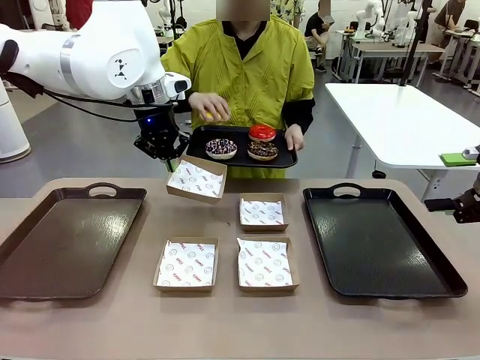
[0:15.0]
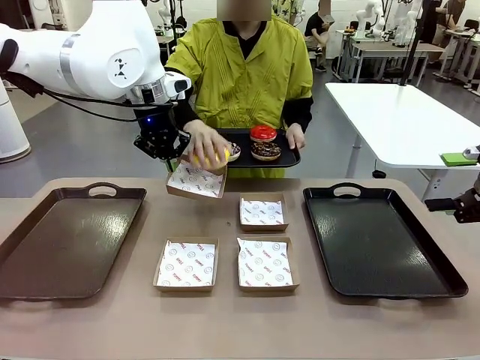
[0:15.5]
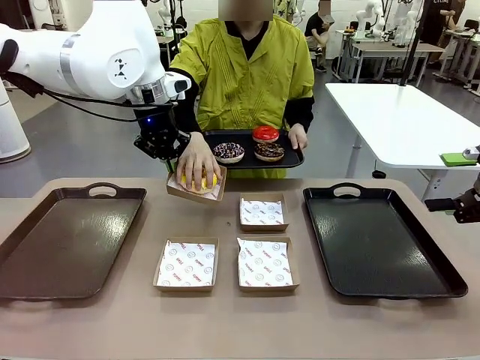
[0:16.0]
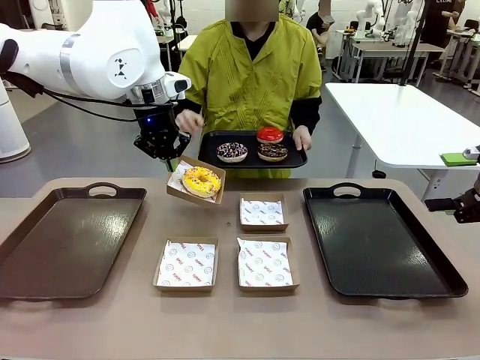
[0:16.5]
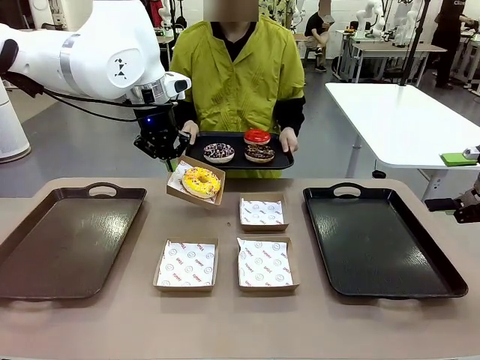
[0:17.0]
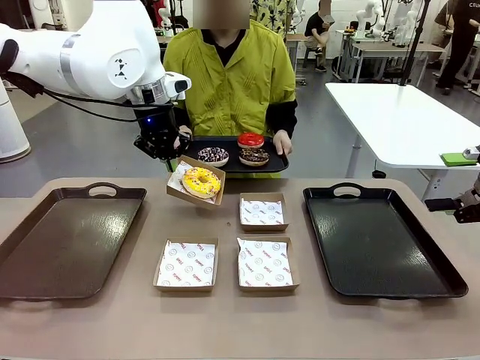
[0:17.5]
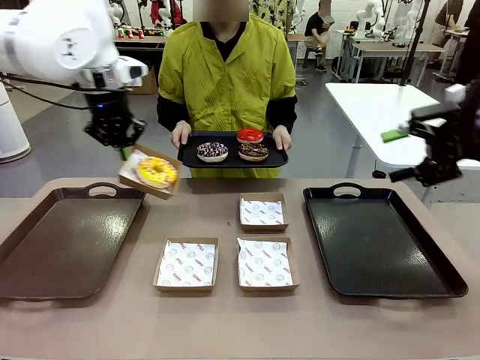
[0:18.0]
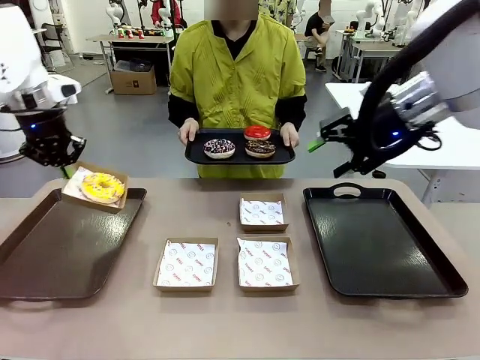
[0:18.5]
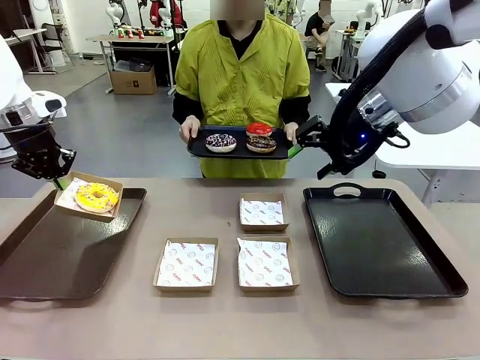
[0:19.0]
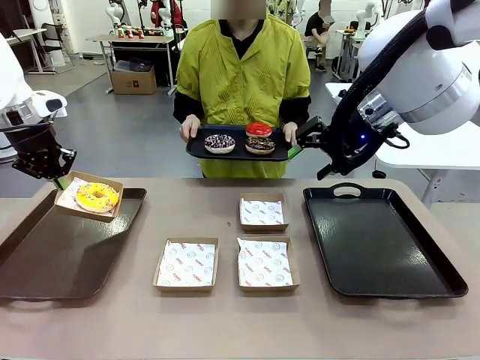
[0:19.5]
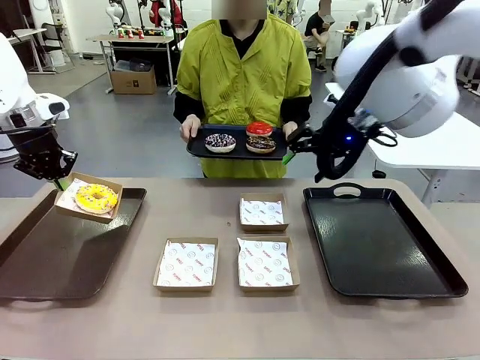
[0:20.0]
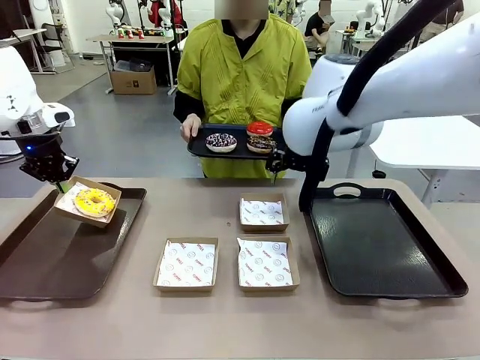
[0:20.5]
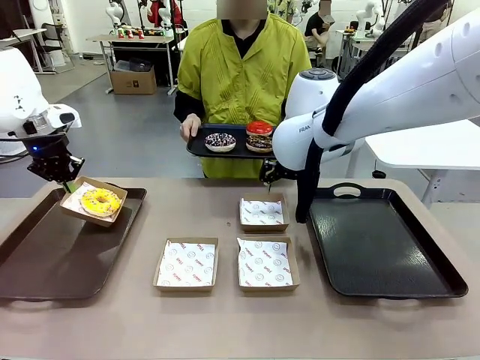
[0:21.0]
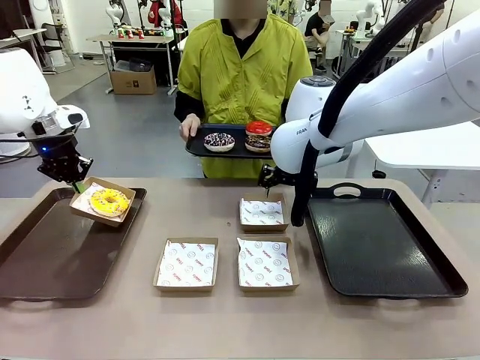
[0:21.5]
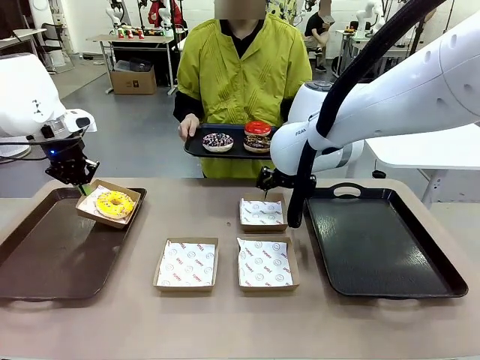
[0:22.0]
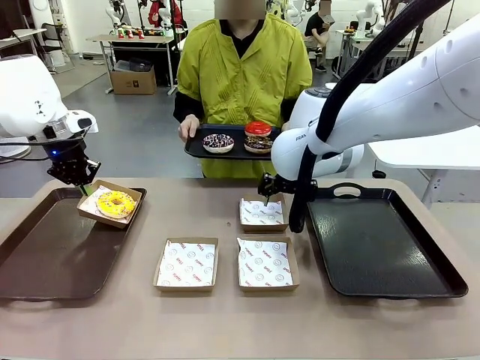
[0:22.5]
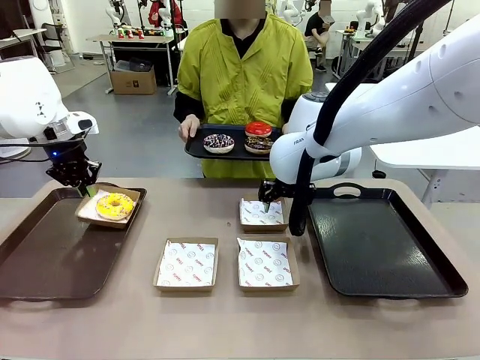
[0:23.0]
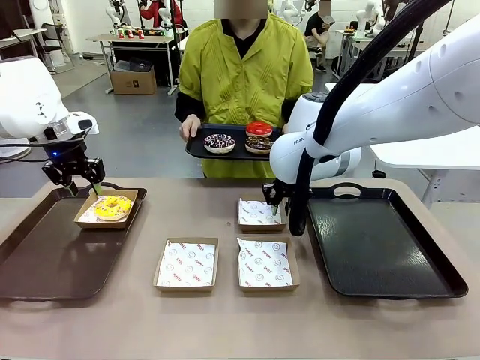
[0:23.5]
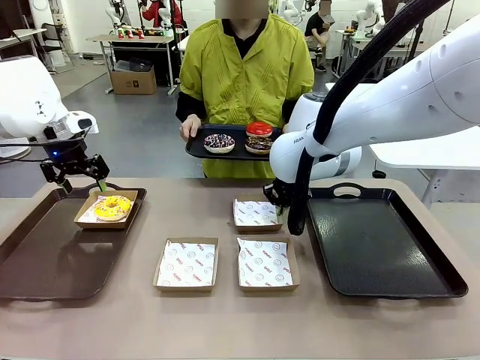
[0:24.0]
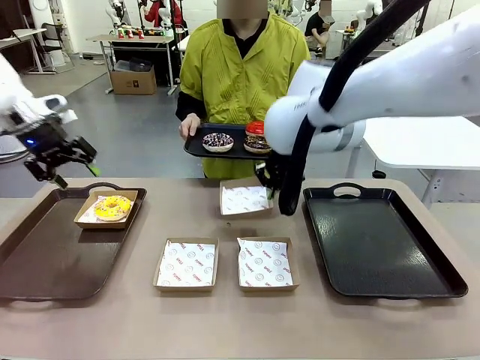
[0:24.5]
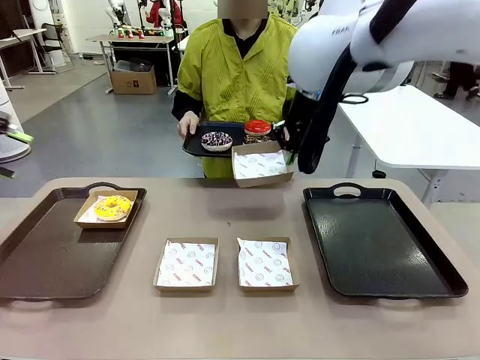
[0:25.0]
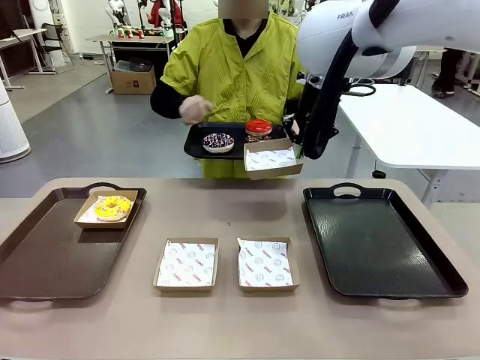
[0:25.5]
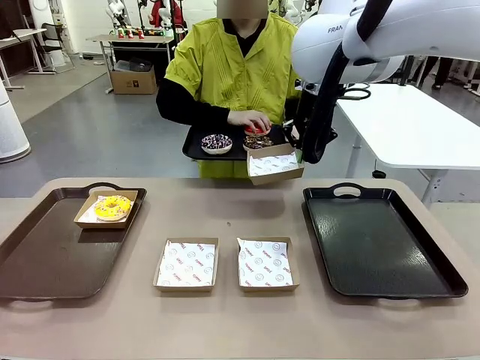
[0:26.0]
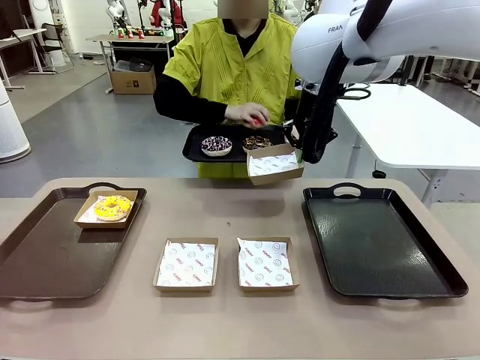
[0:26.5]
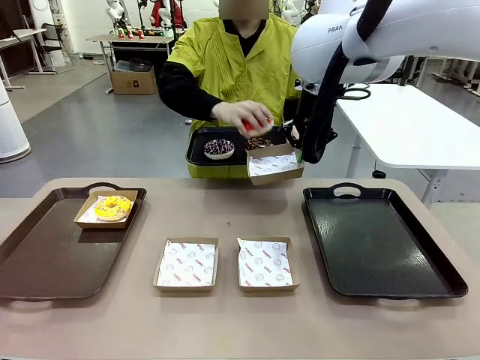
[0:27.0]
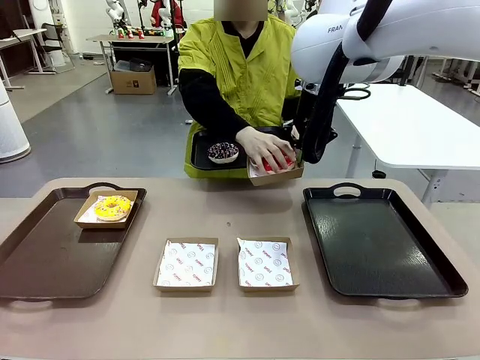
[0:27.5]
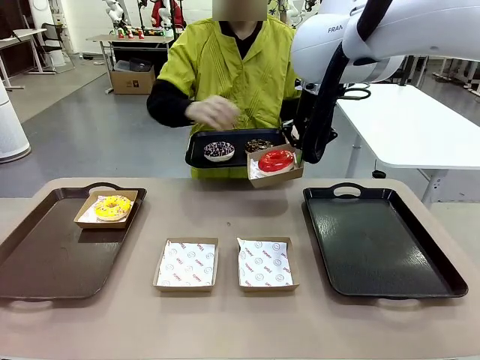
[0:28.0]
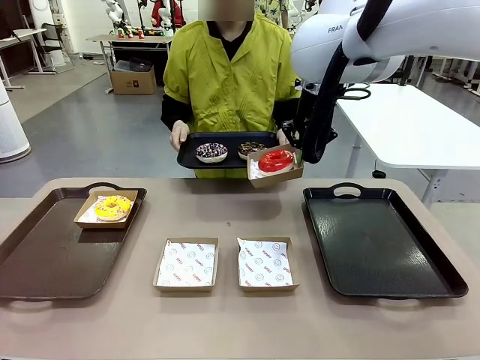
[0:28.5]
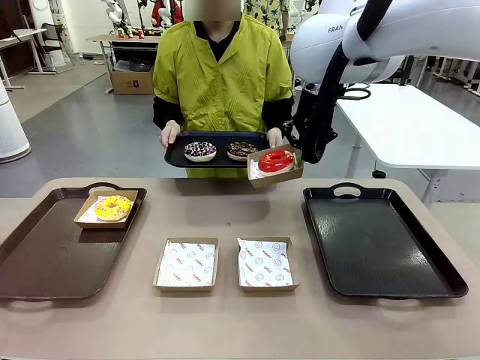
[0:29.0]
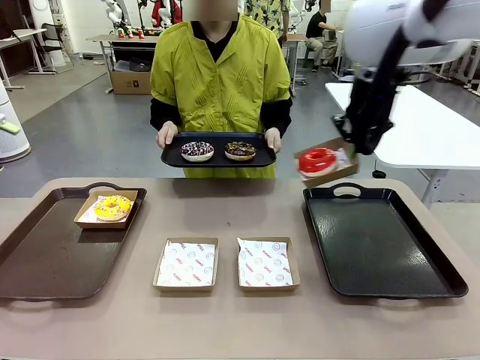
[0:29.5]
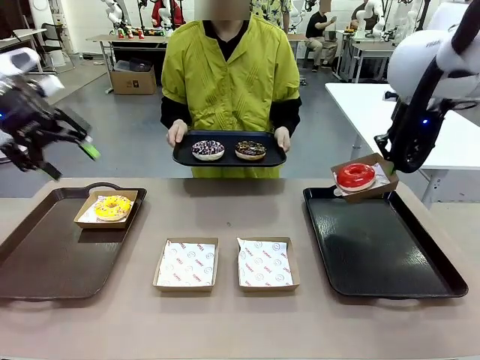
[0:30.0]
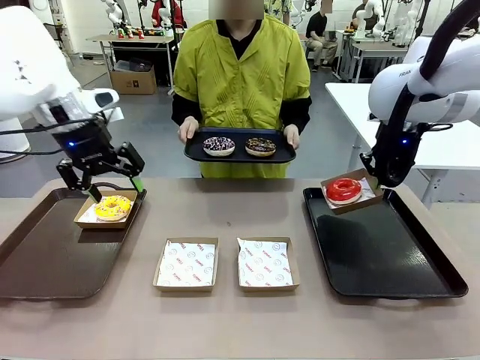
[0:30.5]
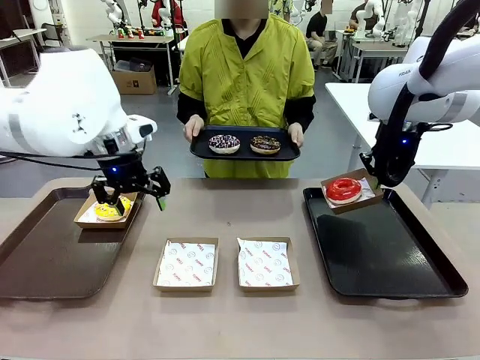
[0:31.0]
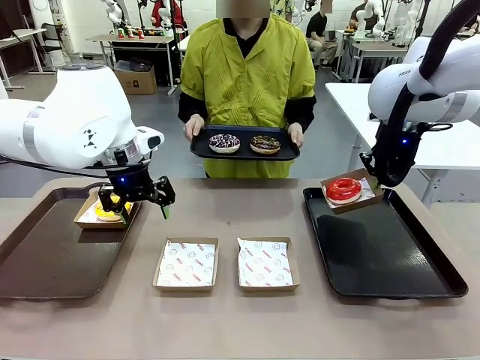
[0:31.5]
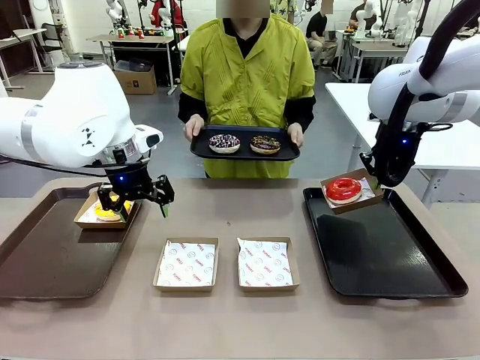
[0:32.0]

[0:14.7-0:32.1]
Task: Individually package the donuts and arrange them on the tray.
Robot: Place the picked Paper togo box on the Handle tray while simultaneously picking up another Paper togo box from the table with the other hand.

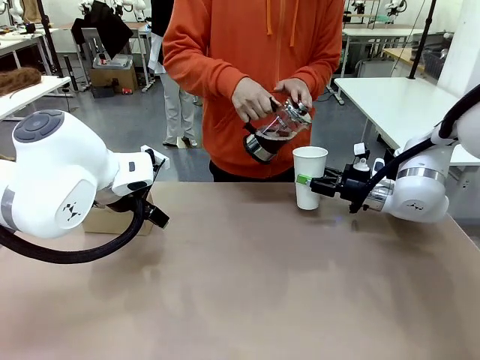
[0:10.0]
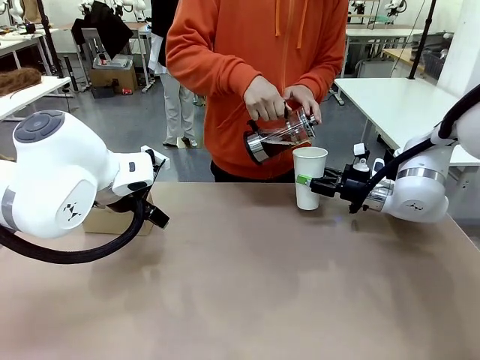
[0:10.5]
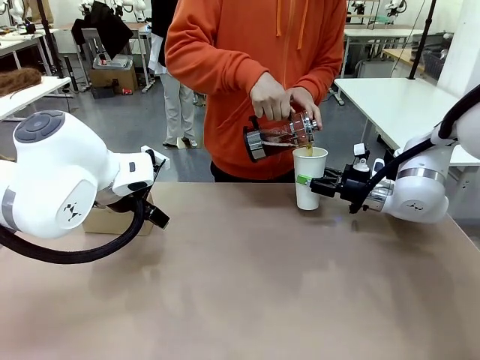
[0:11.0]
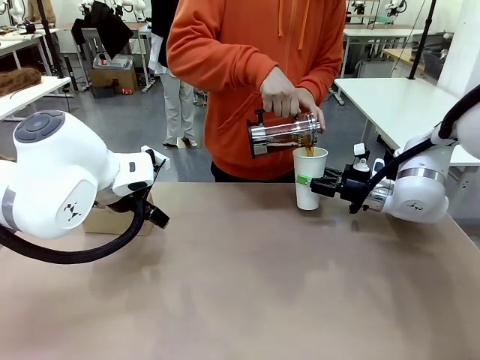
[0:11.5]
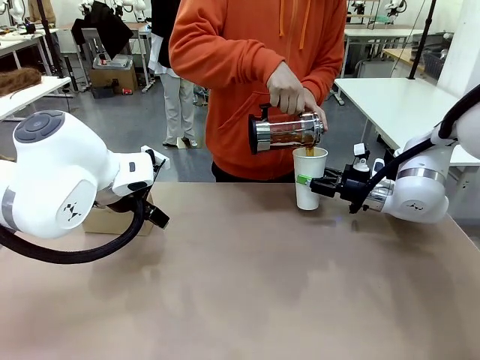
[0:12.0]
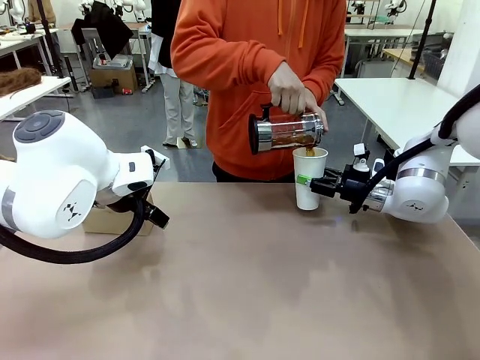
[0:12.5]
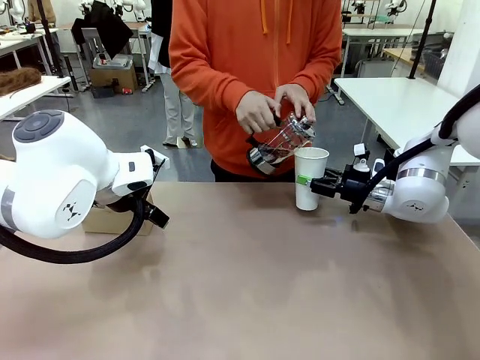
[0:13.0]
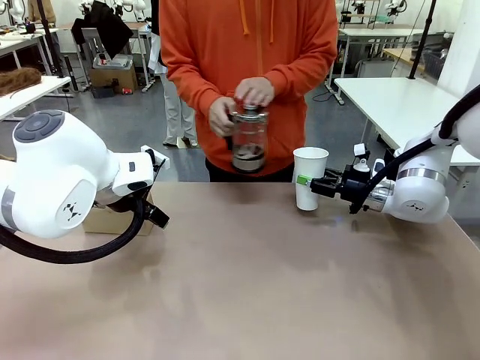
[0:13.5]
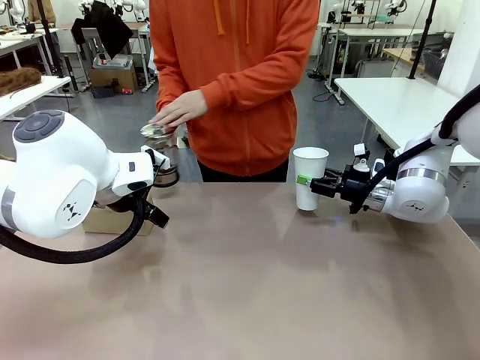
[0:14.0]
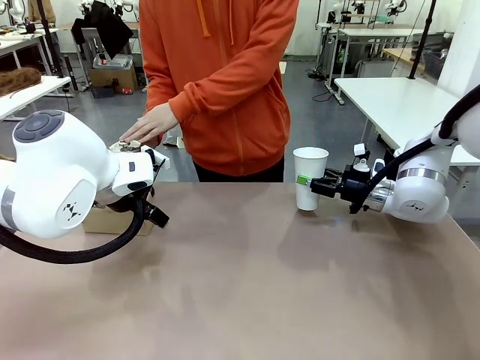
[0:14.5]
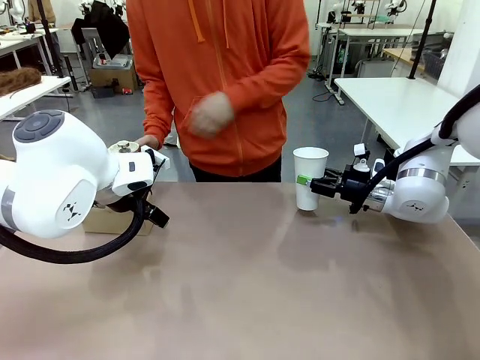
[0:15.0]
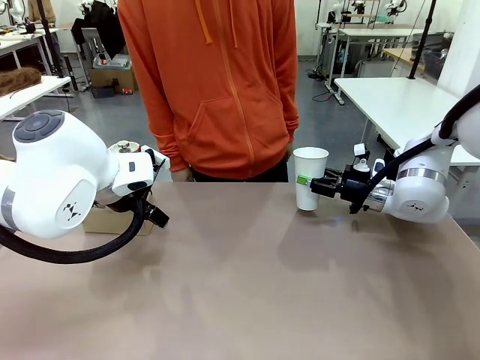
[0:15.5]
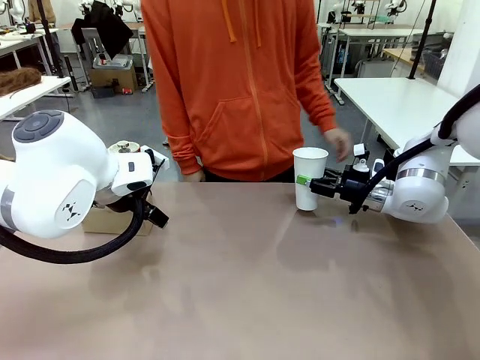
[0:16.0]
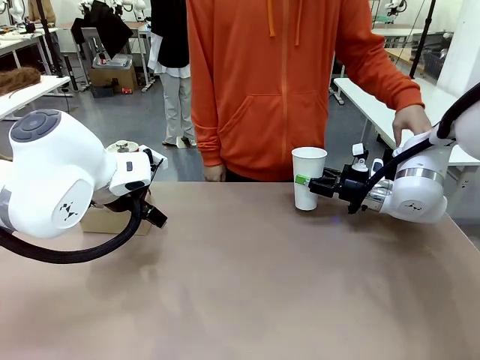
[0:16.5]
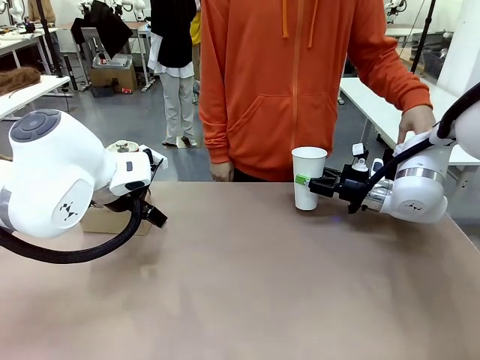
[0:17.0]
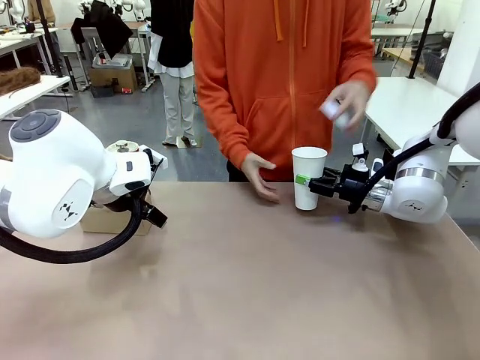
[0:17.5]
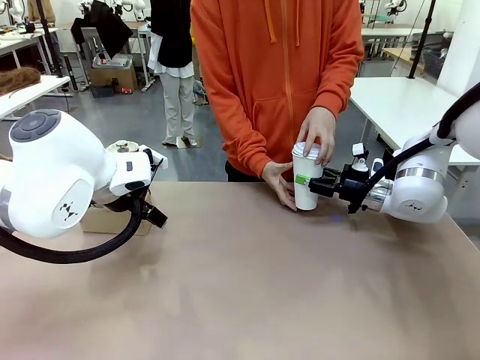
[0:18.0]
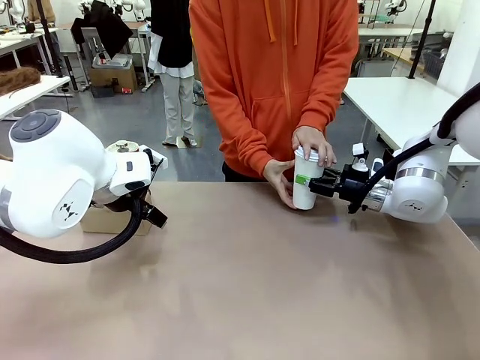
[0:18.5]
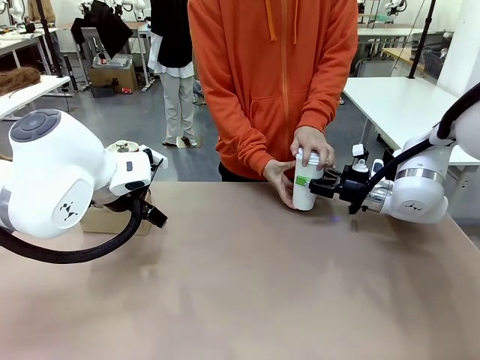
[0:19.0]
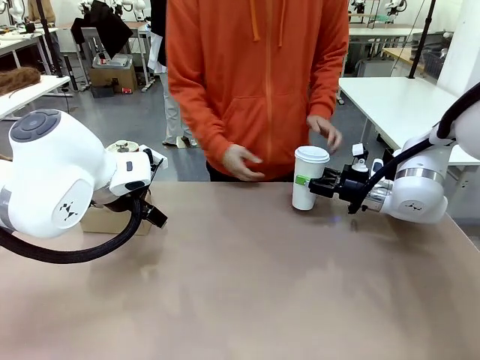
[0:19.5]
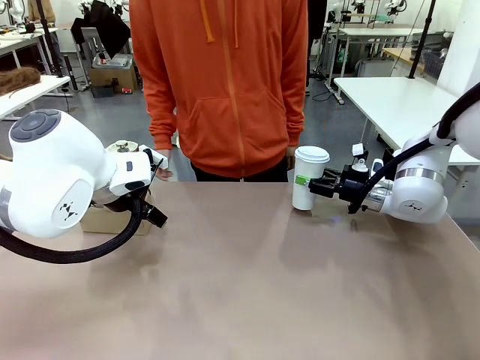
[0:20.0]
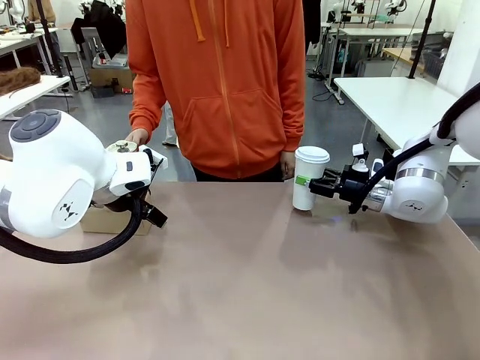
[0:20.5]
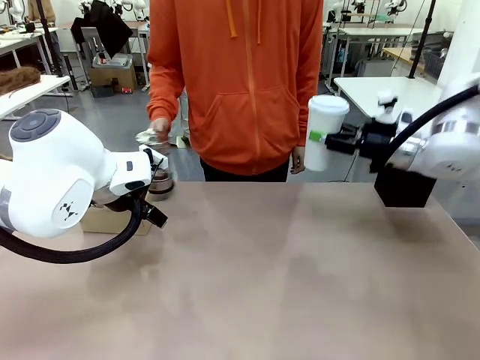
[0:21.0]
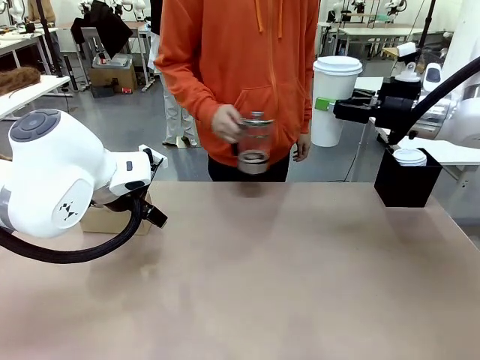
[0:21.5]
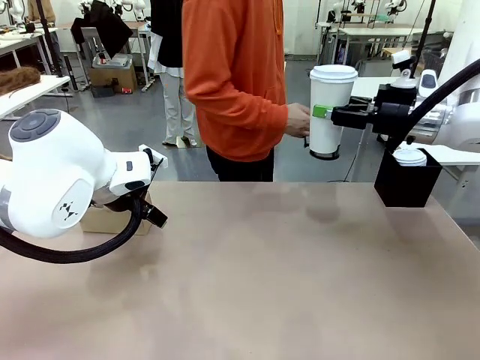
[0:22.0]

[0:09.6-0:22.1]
Task: Pour a drink into a cup and package it in a carrier.
Robot: When a person places the Paper Cup Lid on the 600 ml Paper Cup , lift the 600 ml Paper Cup.
Person: Pour the drink from the Filter Brewing into the 600 ml Paper Cup. Place a Paper Cup Lid on the 600 ml Paper Cup.
